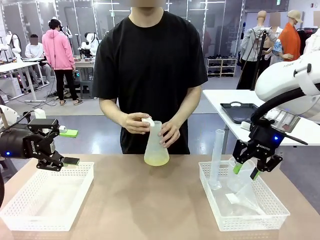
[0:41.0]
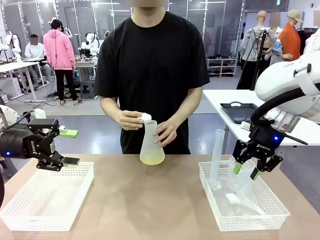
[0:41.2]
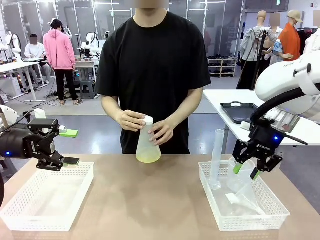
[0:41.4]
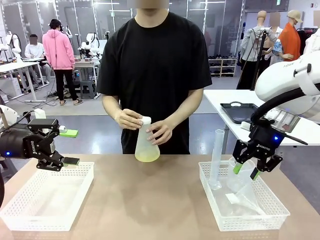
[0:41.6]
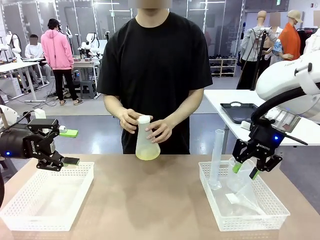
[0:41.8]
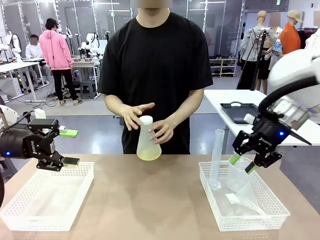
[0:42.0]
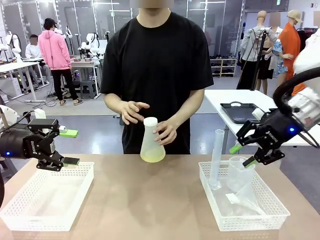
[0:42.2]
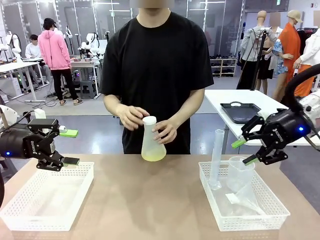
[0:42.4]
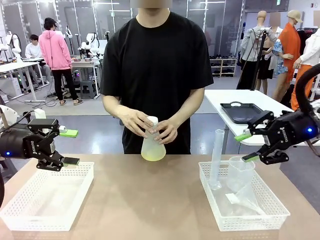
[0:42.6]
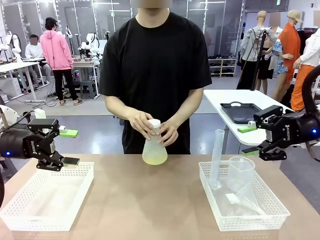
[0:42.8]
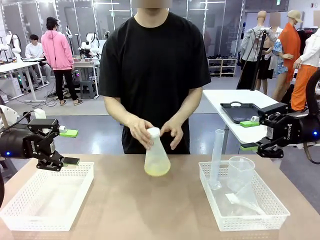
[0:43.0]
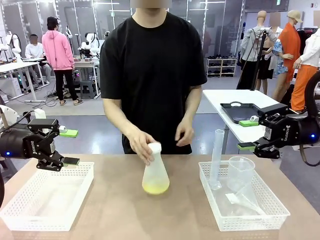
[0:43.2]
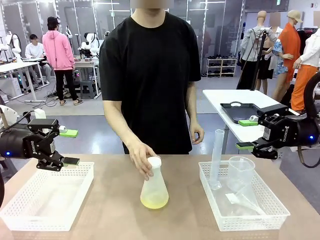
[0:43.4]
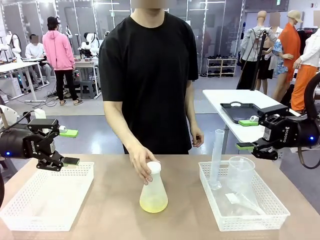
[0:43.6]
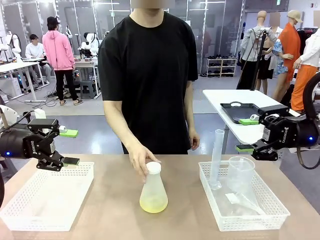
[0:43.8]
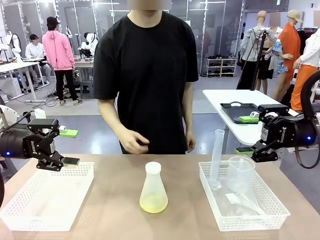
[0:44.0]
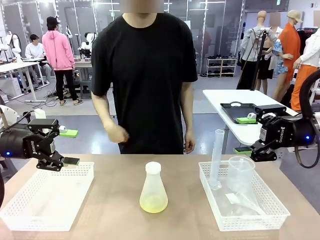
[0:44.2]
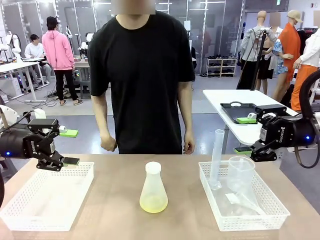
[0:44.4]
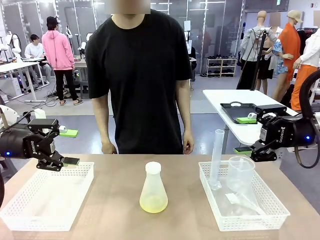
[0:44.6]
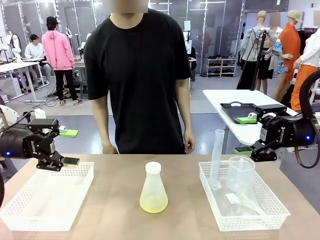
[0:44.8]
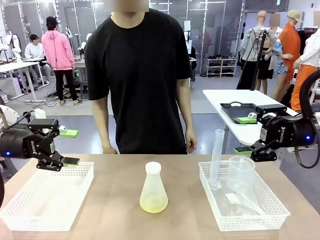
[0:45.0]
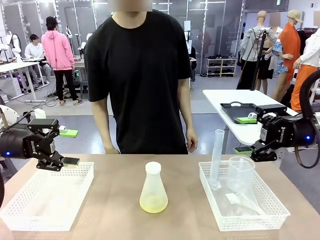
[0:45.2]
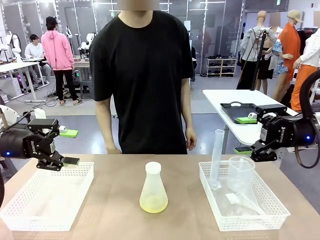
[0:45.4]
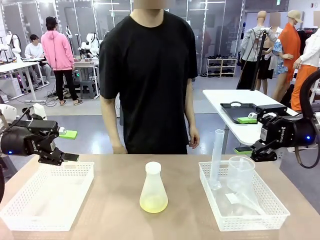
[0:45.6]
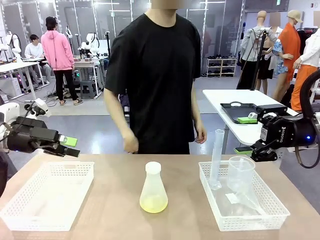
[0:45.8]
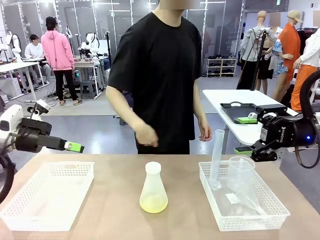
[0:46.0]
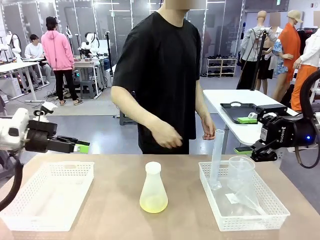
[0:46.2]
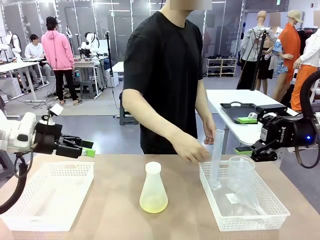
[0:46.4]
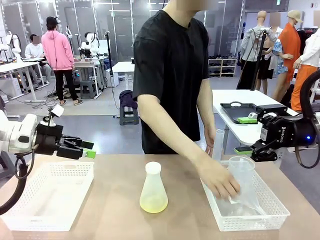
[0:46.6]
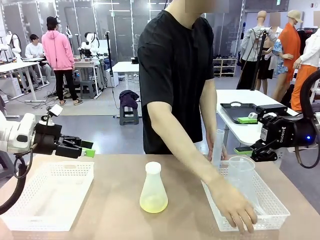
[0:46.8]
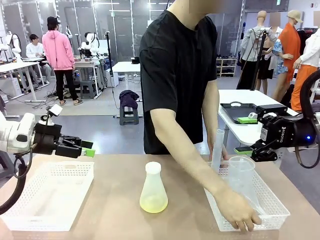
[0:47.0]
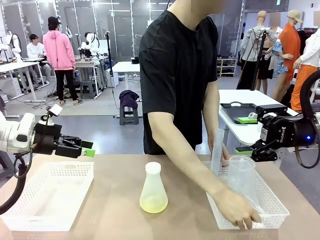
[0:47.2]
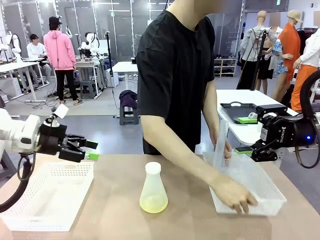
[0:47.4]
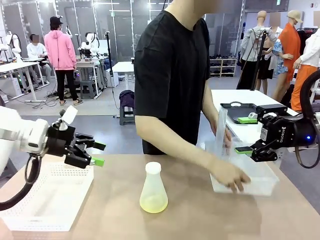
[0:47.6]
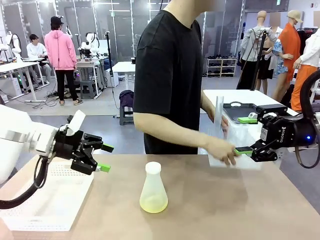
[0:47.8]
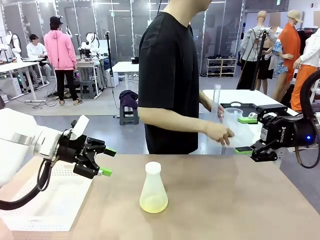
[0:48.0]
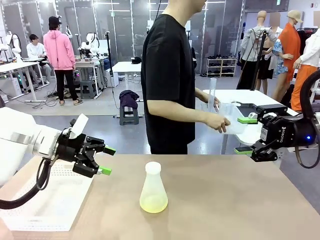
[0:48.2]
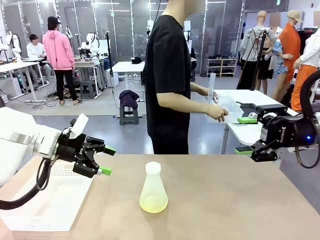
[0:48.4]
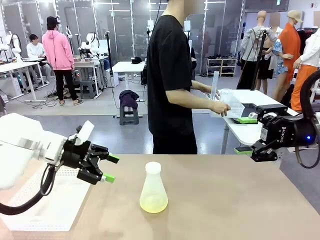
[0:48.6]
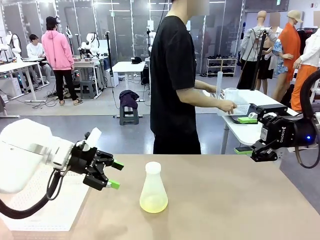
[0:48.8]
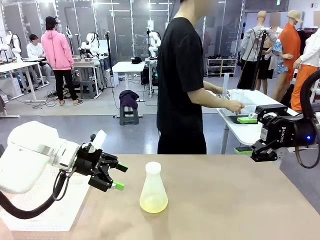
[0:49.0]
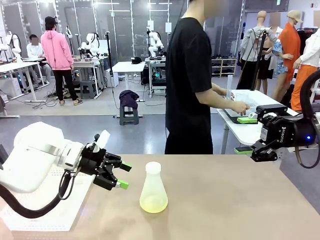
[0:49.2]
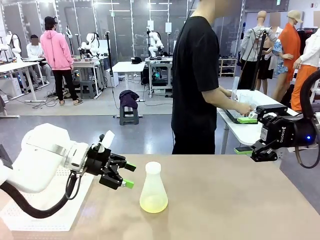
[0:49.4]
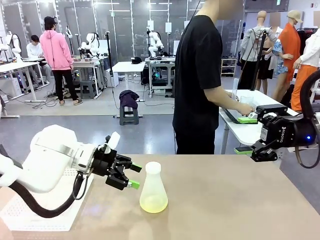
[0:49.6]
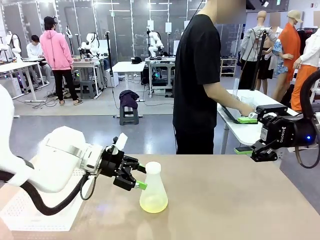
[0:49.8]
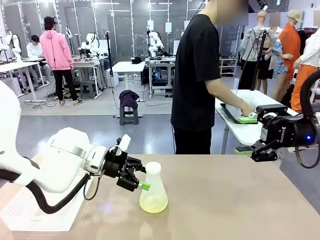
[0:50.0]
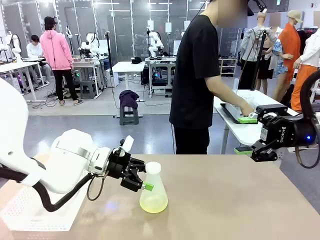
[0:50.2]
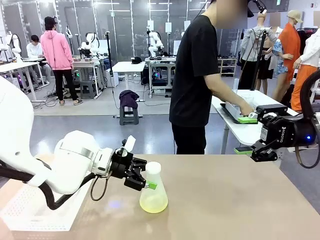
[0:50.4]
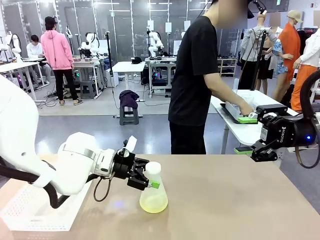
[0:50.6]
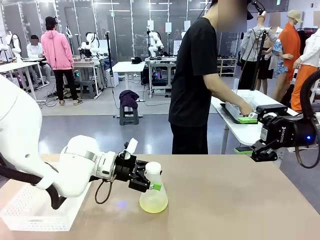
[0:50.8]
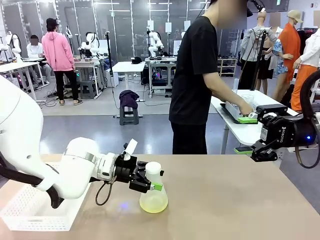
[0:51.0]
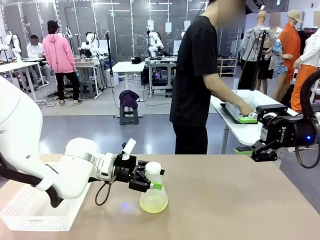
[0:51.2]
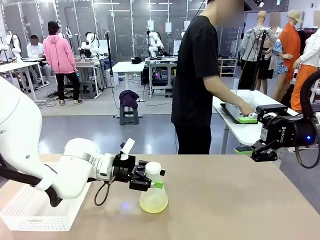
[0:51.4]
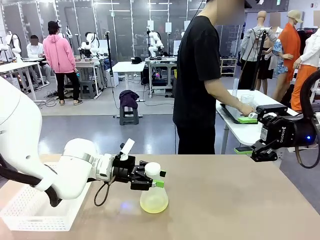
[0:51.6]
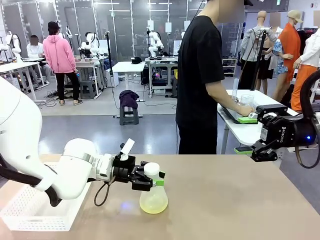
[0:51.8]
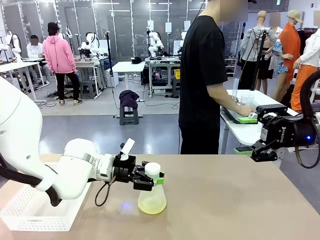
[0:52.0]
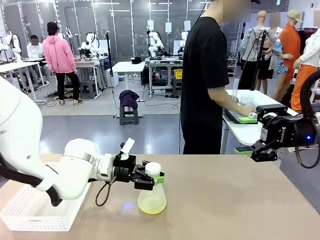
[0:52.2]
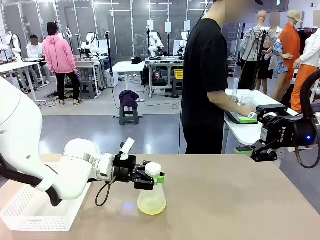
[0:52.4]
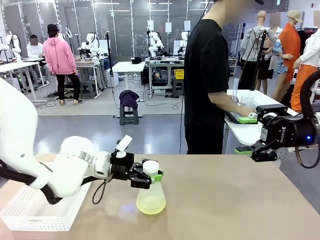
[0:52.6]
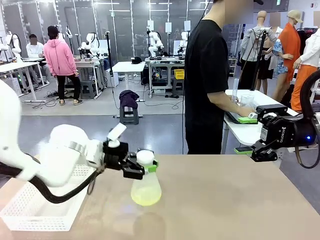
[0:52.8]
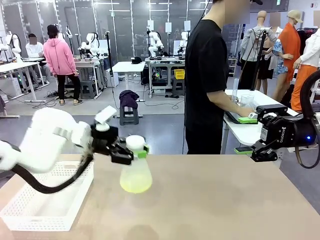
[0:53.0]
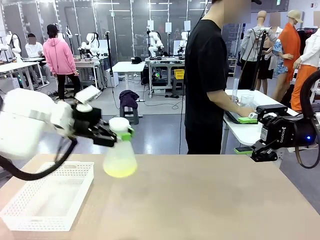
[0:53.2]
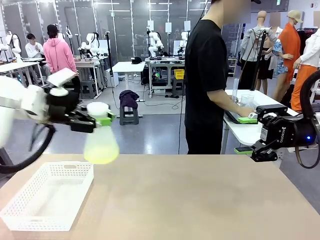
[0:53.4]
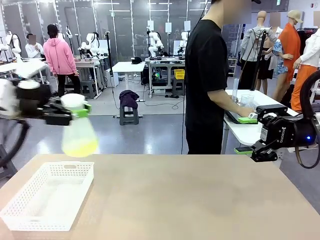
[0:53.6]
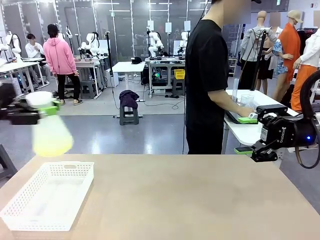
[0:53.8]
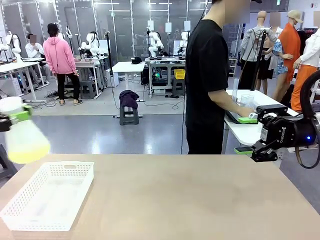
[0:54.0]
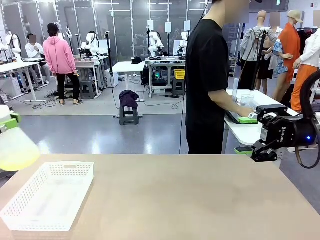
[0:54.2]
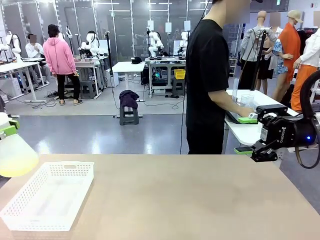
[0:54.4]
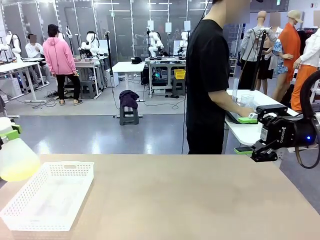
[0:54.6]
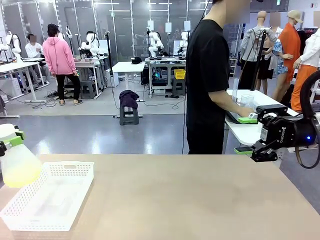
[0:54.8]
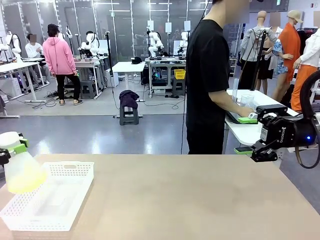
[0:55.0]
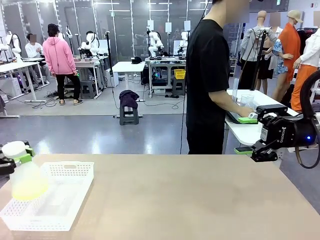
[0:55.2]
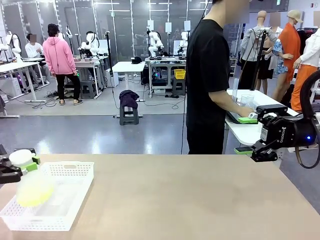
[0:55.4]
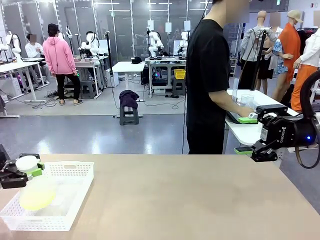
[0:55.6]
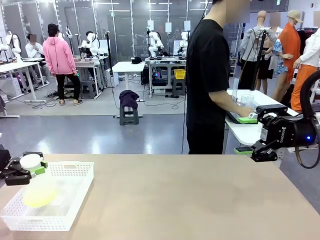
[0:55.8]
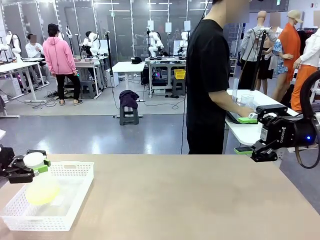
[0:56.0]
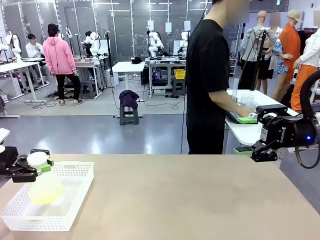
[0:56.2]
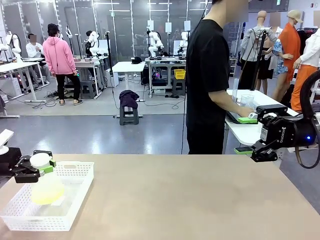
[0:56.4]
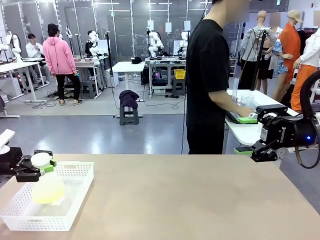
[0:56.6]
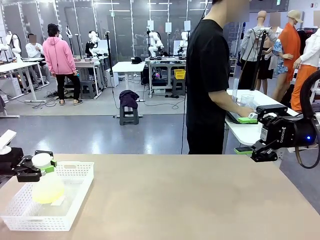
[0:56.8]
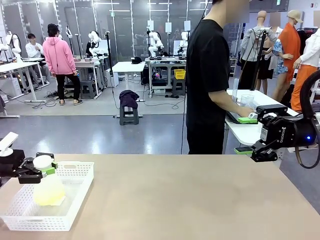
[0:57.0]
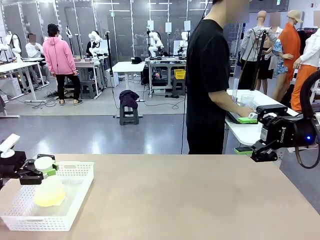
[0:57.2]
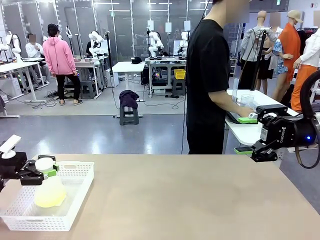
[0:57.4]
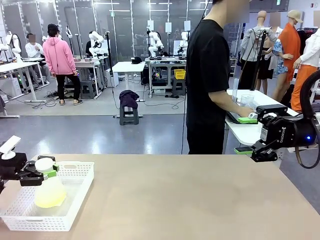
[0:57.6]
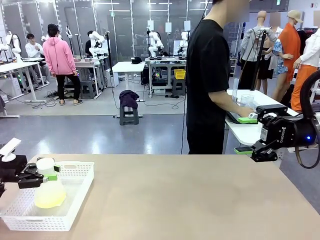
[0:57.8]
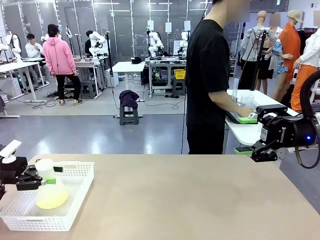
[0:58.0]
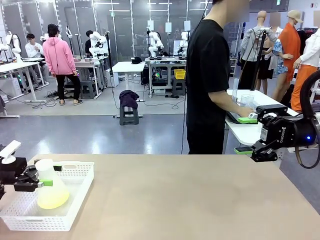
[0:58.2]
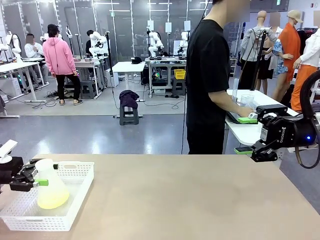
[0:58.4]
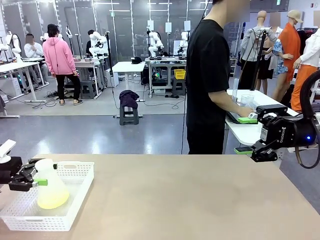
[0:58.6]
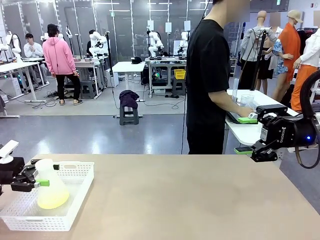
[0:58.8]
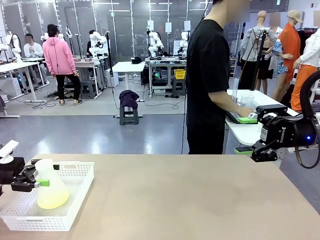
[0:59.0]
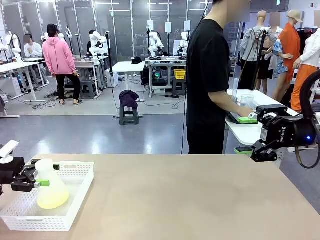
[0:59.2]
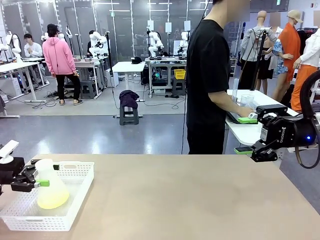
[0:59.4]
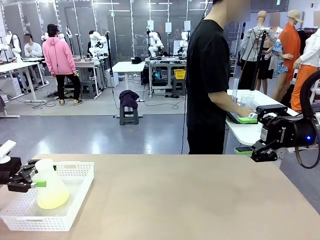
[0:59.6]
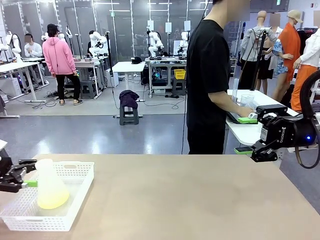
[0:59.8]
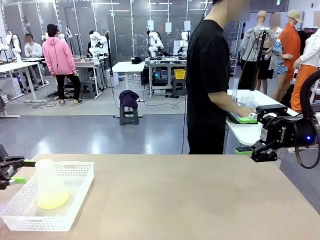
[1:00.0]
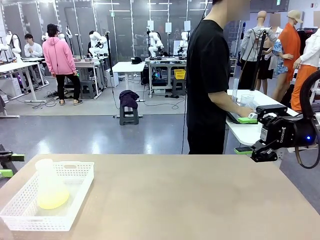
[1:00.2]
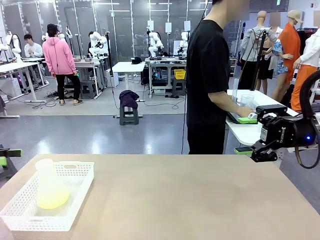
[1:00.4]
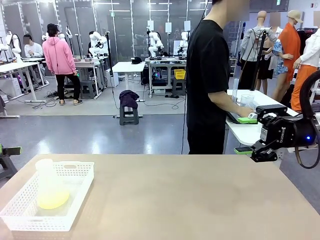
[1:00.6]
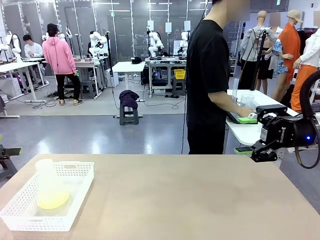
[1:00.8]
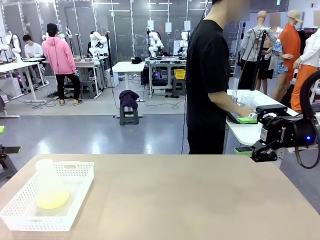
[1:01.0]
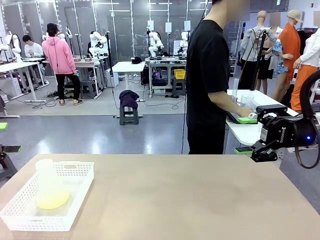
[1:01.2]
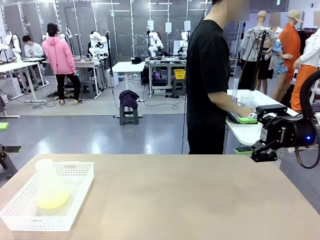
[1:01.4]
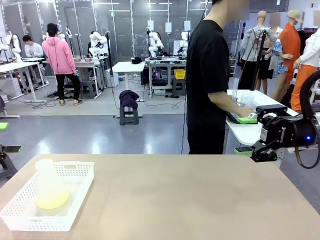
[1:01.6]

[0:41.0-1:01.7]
Task: Prepare the solutions needed for the experiment.
Robot: When the human places the Big flask in the center of the table, pick up the Big flask and place it in the left Organizing basket.
Person: Pick up the organizing basket on the left side of the robot table and place it on the left side of the human table.
